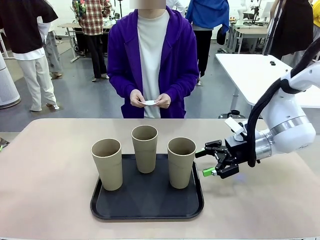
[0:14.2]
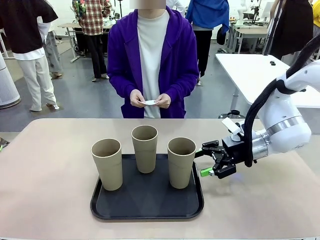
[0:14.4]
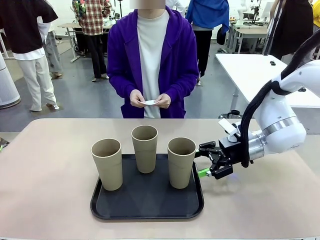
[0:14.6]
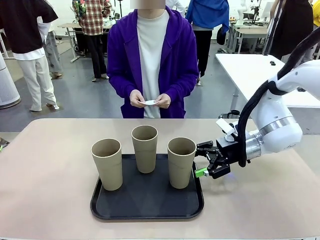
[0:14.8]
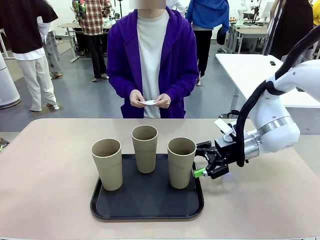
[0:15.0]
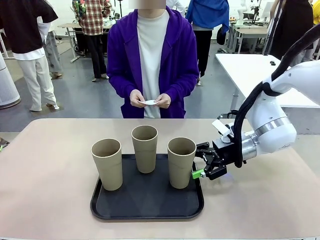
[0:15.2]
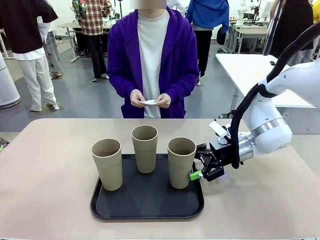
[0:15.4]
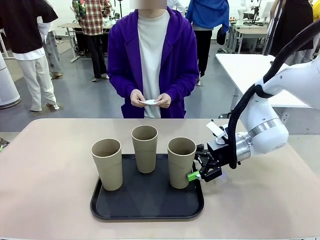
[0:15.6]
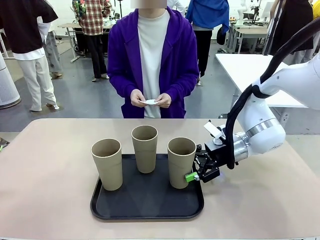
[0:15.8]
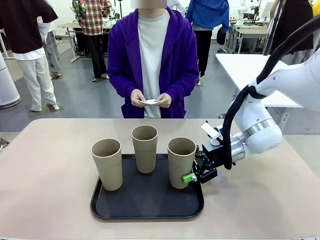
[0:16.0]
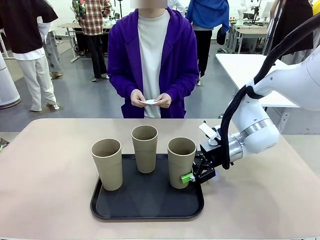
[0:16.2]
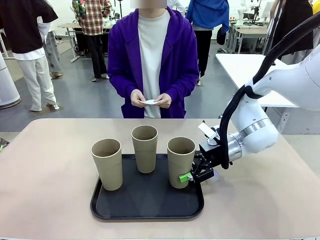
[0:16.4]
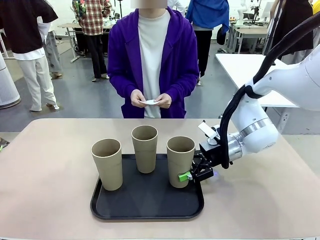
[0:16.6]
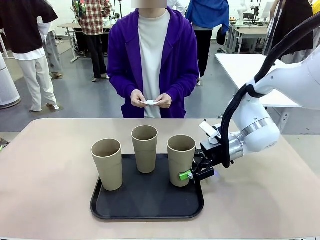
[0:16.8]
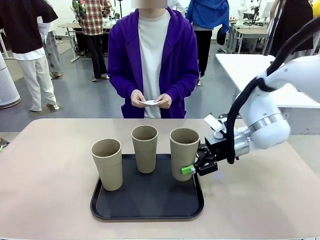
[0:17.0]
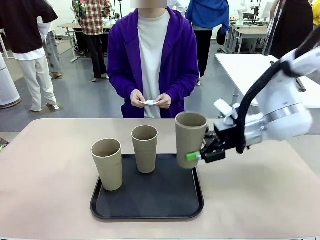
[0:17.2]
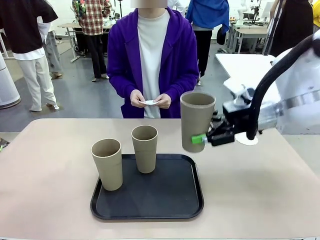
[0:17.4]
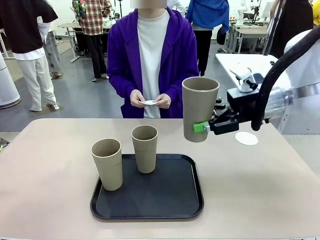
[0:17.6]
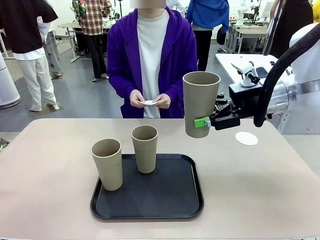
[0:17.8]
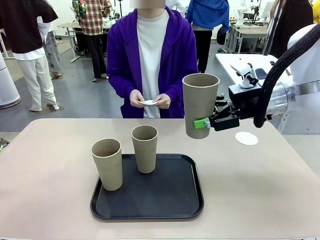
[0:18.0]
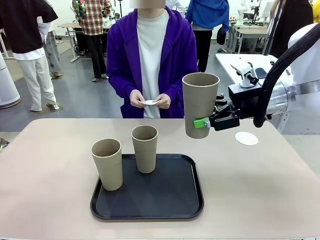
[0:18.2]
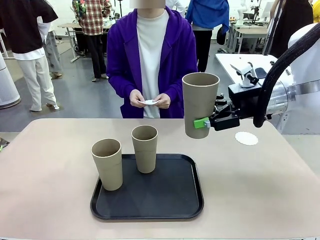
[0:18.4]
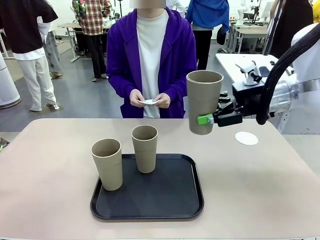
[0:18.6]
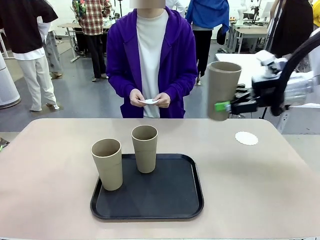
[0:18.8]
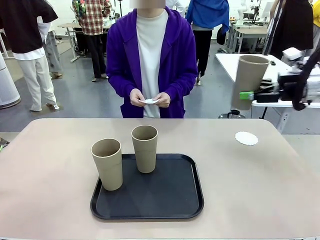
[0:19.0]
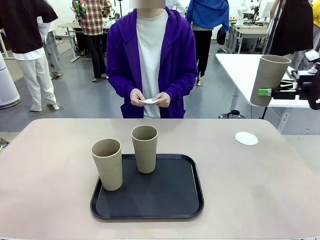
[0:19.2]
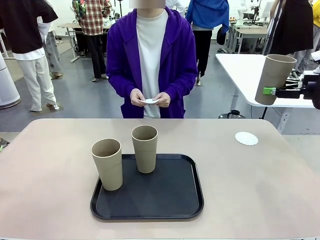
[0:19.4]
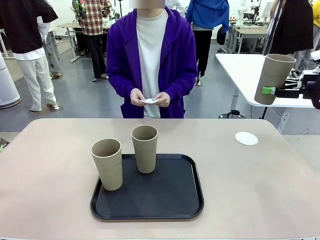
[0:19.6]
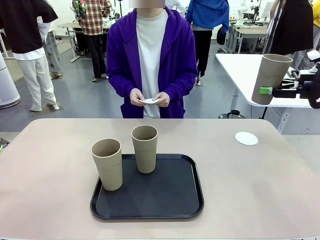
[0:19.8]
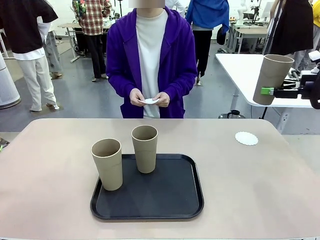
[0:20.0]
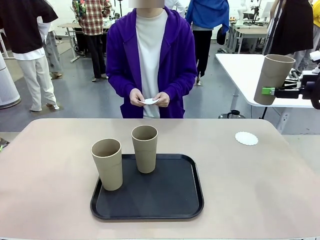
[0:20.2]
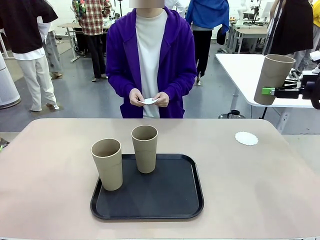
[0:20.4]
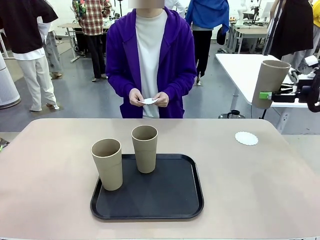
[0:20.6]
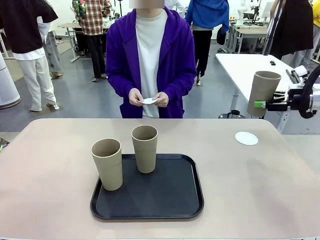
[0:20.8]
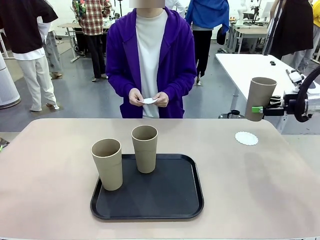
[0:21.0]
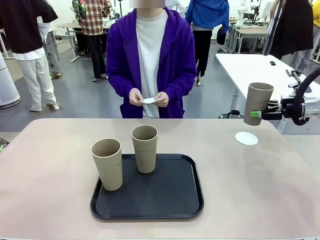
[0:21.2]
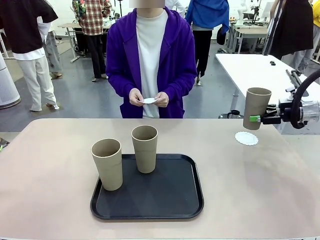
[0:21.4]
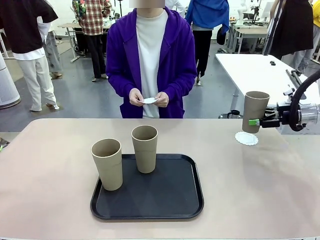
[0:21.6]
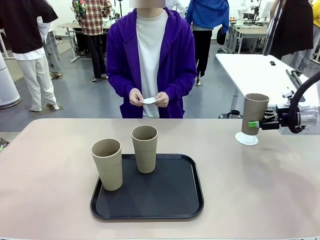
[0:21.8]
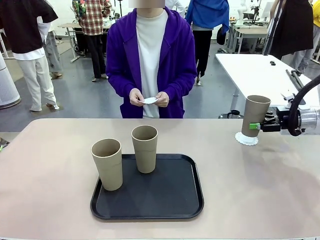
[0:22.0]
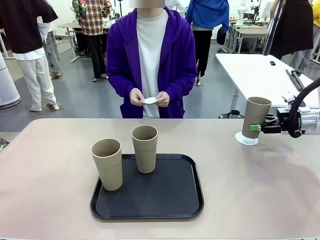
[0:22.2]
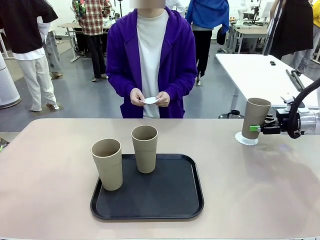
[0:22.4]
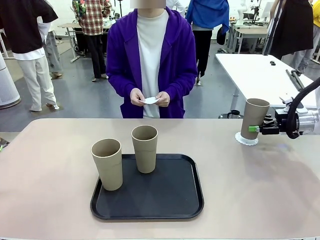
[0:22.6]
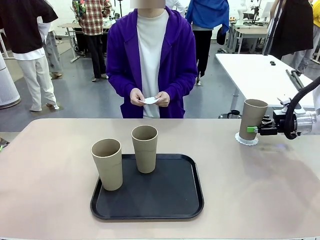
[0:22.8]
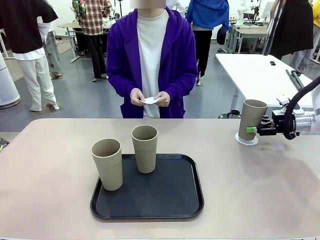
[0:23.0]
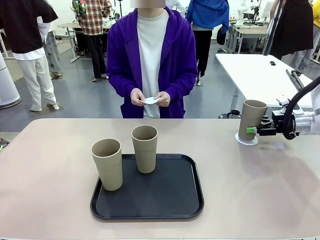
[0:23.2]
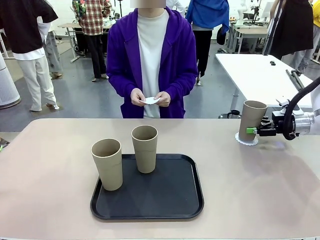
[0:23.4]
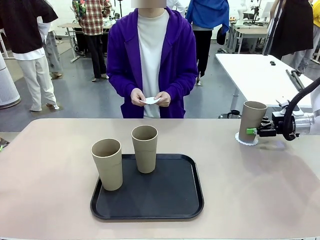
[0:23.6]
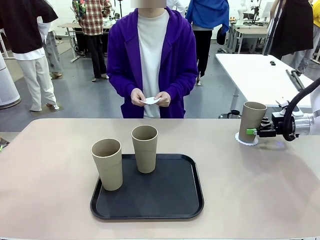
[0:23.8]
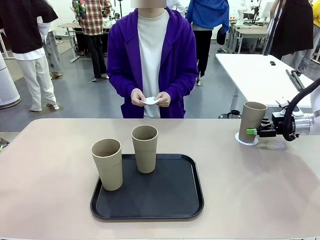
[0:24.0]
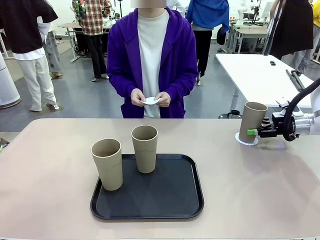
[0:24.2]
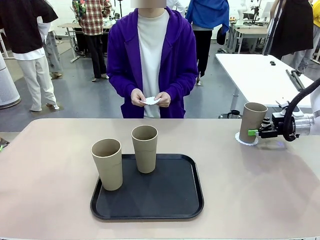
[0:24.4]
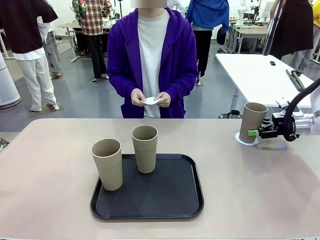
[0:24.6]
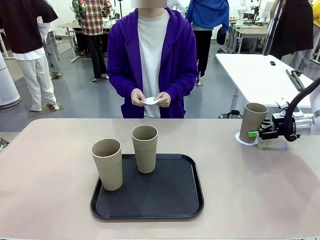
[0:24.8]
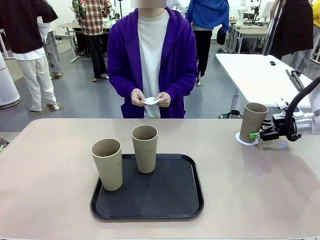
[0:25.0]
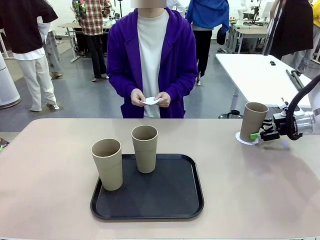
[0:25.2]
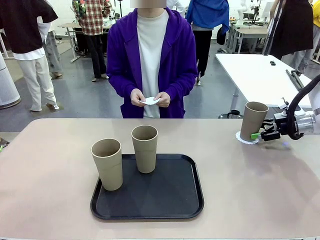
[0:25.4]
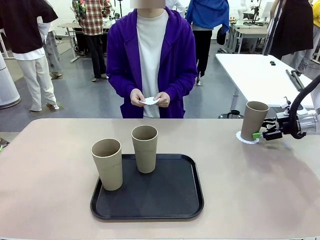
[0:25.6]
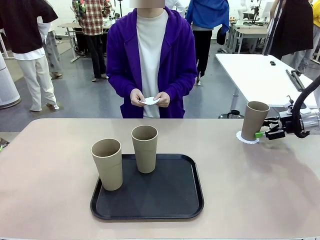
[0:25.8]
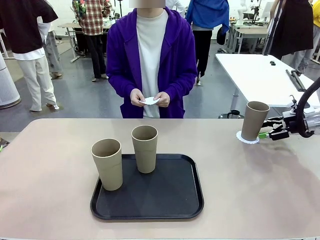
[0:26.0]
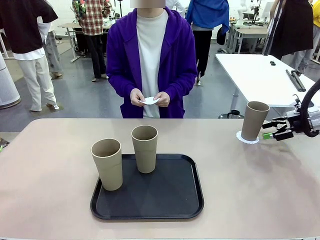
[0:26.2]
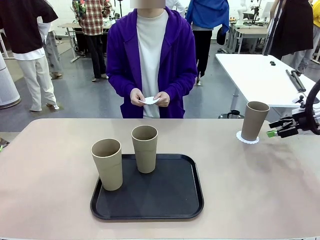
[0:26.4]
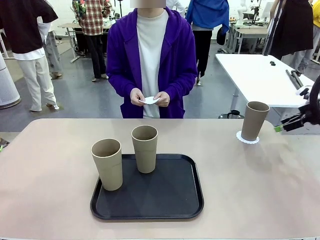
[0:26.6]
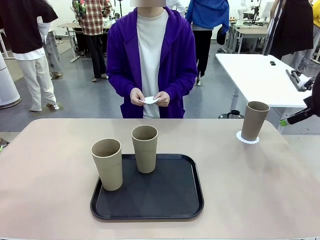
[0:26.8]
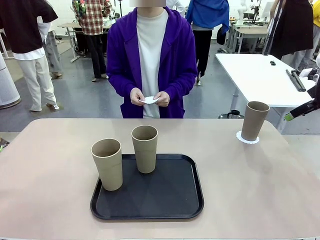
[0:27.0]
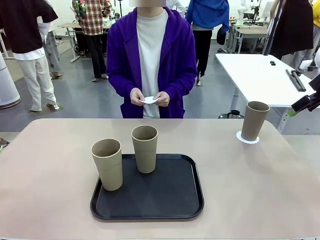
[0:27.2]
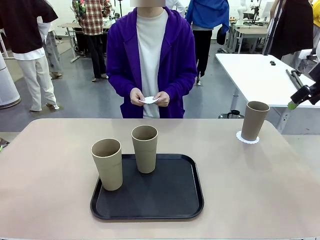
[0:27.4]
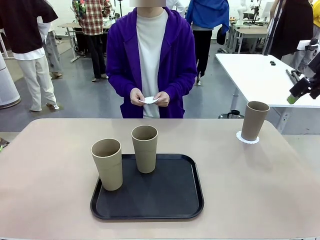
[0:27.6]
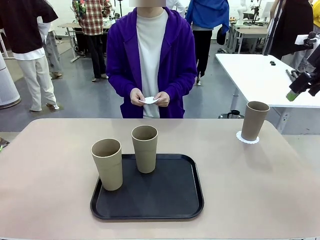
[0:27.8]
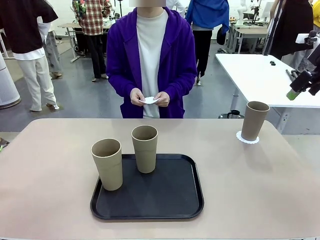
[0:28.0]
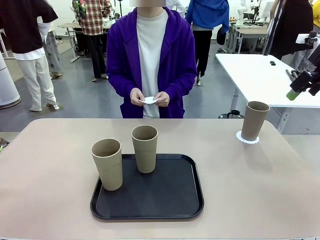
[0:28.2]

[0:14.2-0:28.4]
Task: Place coasters on the table and set cups on them.
Robot: Pick up one Reusable plastic cup and place it on a coaster set by the human.
Person: Place one coaster in one of the two areas excluding the previously selected area.

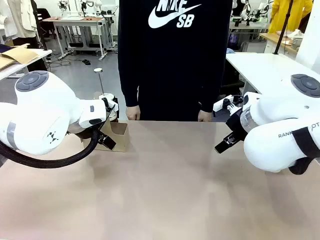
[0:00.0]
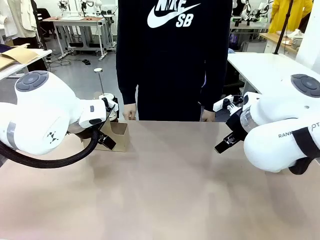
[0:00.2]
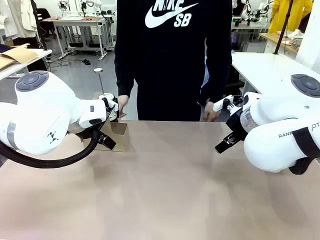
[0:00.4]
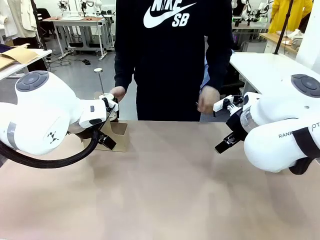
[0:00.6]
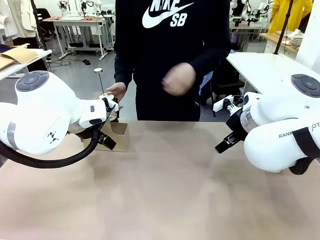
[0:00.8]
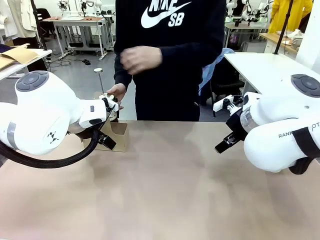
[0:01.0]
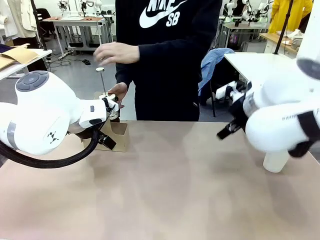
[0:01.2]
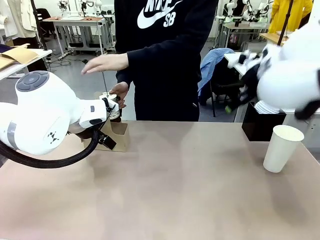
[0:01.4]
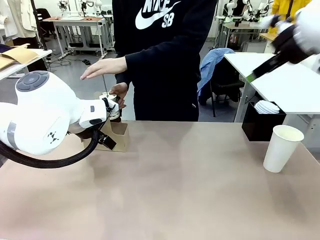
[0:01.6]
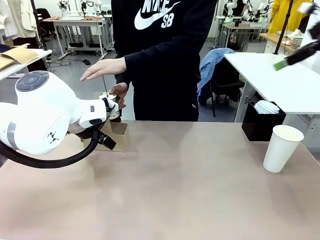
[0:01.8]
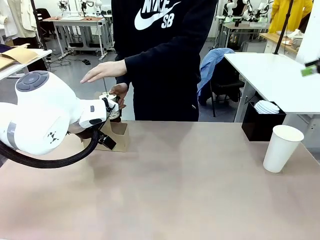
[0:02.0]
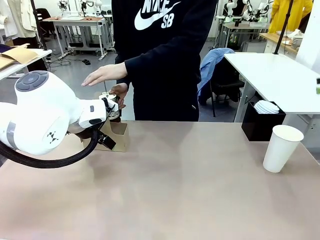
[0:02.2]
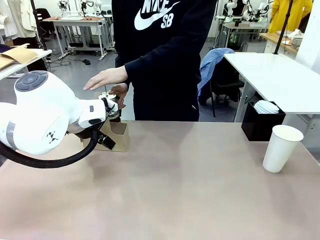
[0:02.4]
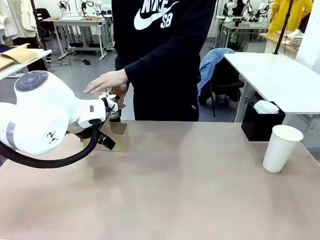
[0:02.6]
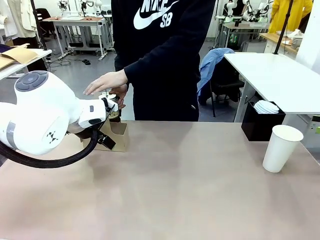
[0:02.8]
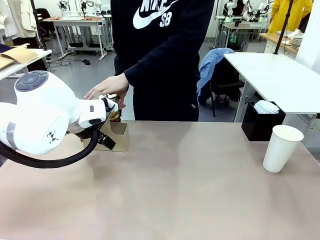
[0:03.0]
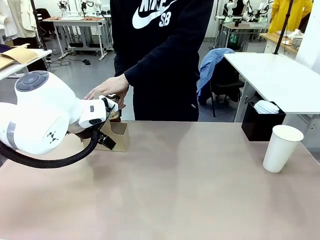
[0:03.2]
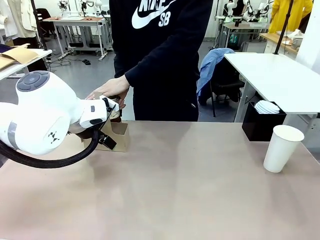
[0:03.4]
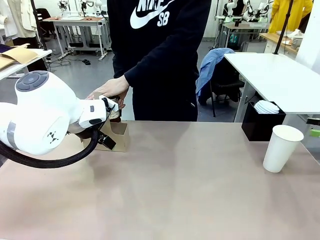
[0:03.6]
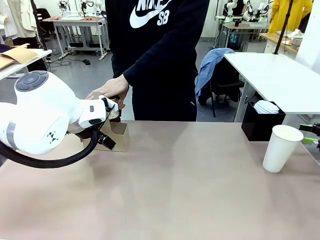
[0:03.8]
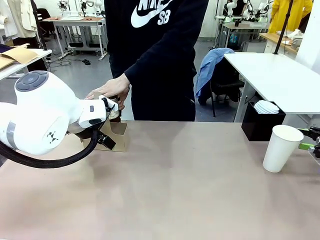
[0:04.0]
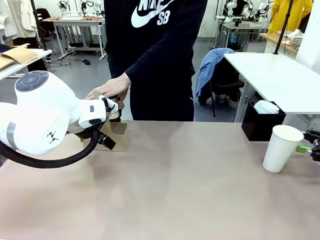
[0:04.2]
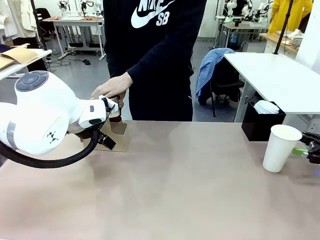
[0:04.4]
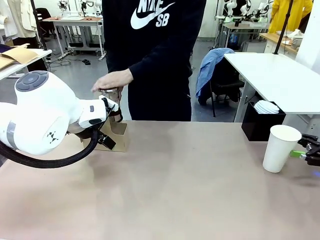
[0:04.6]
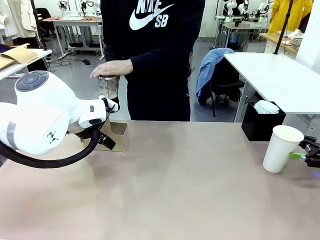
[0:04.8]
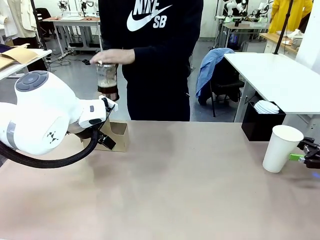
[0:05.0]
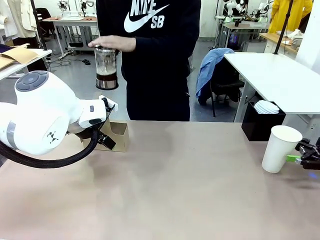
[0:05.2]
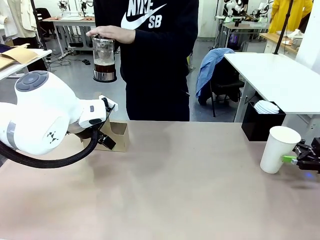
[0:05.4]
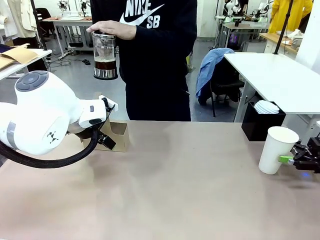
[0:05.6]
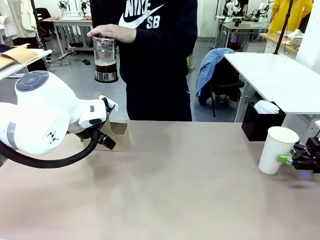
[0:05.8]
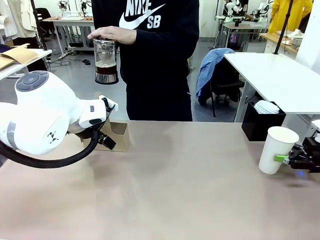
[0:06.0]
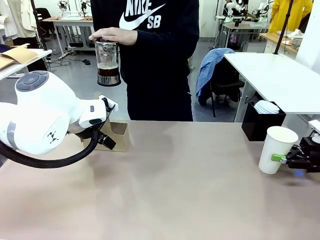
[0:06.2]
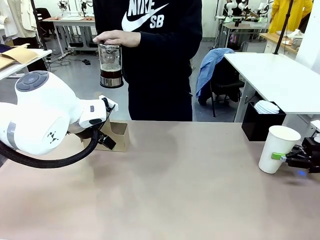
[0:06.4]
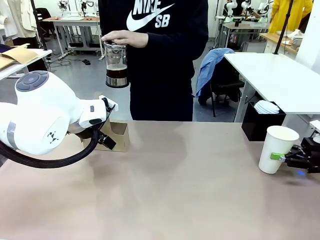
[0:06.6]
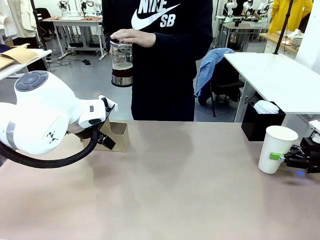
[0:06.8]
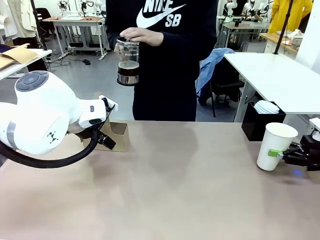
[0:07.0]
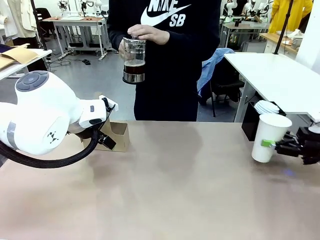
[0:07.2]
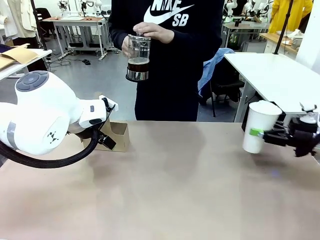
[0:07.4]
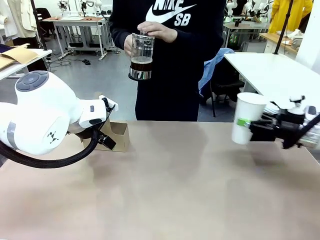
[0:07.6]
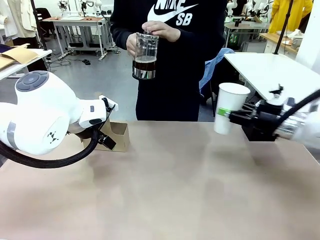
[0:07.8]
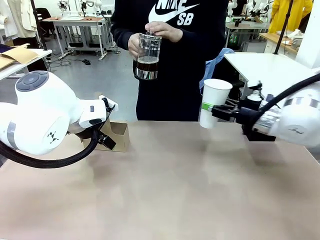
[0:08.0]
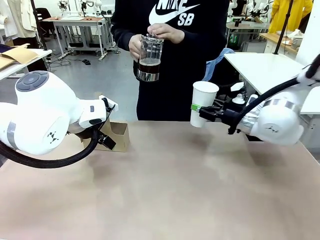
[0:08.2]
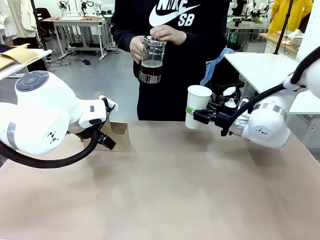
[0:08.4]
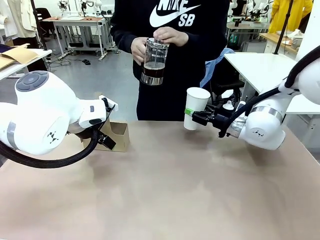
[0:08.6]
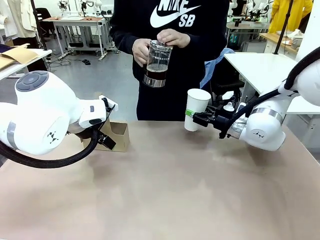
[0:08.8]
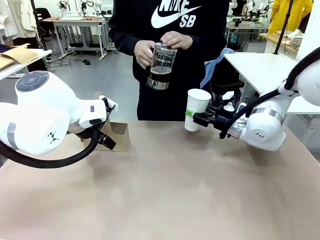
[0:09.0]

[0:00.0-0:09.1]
Task: Pour a drink into a cup and package it in a carrier.
Robot: Pick up the 600 ml Paper Cup and place it in the middle top area of the table.
Person: Press and pick up the Filter Brewing.
